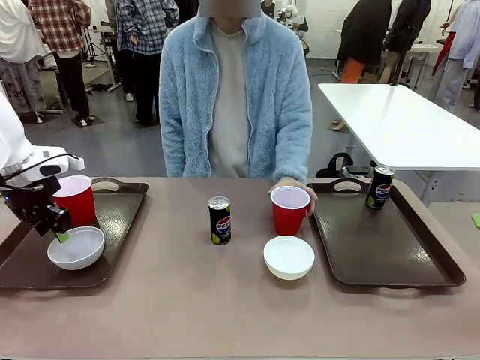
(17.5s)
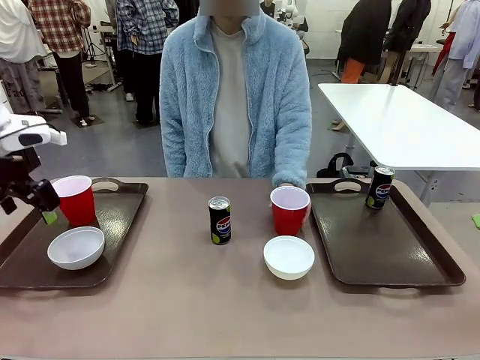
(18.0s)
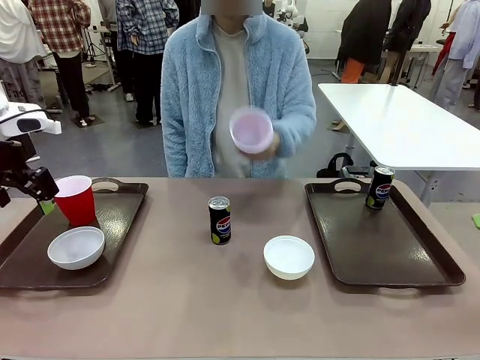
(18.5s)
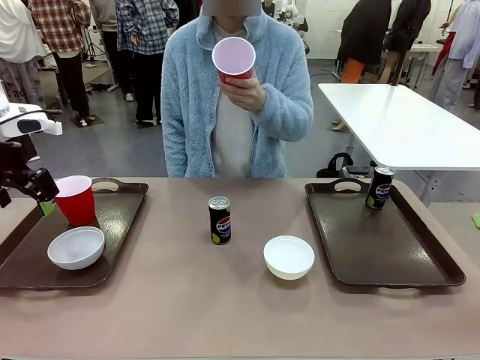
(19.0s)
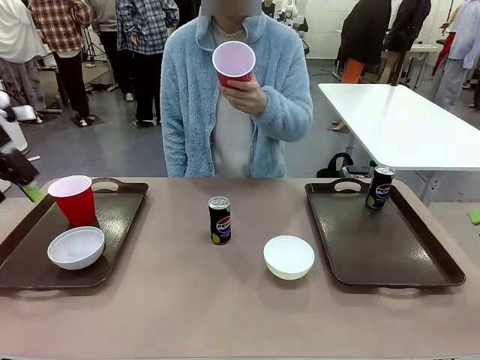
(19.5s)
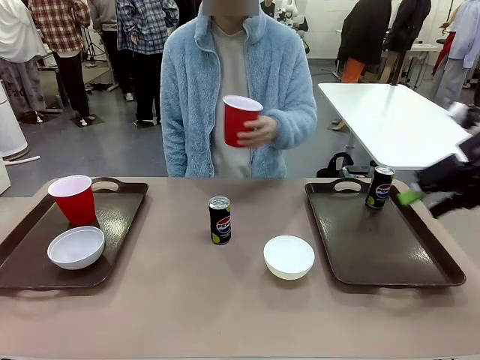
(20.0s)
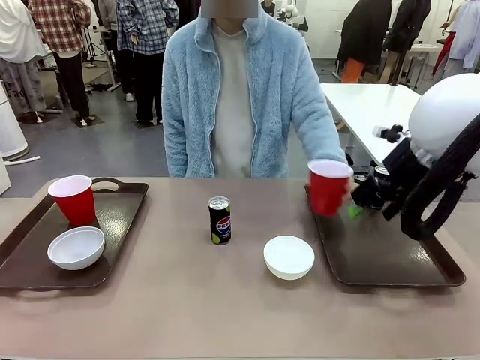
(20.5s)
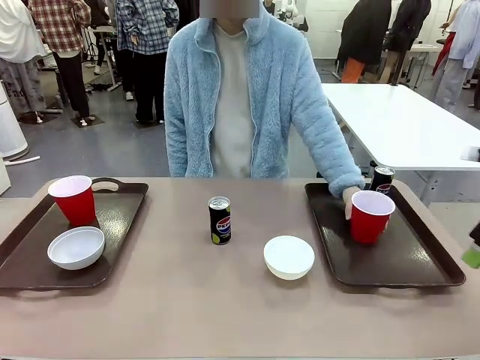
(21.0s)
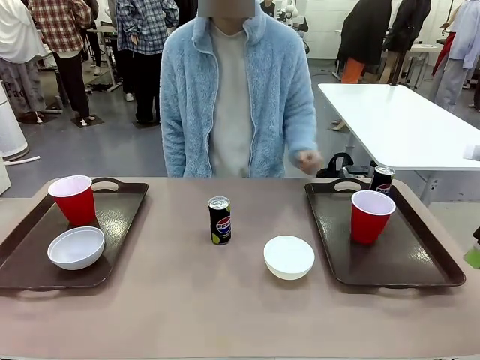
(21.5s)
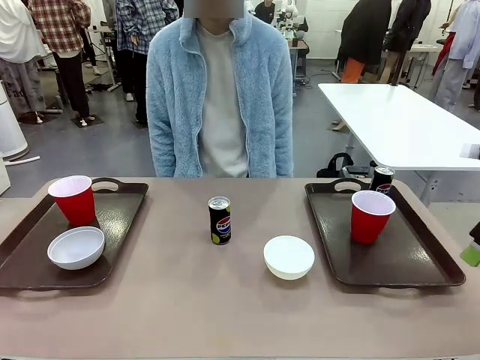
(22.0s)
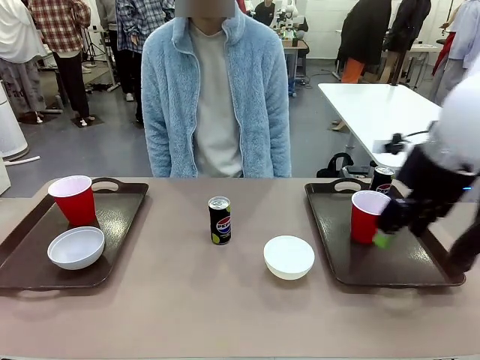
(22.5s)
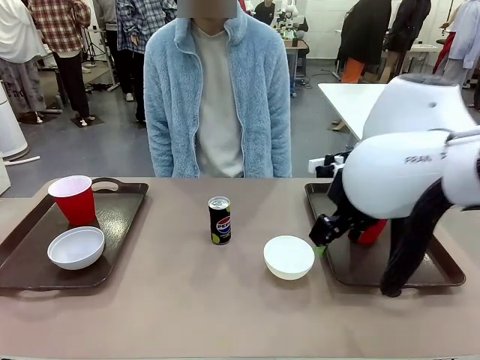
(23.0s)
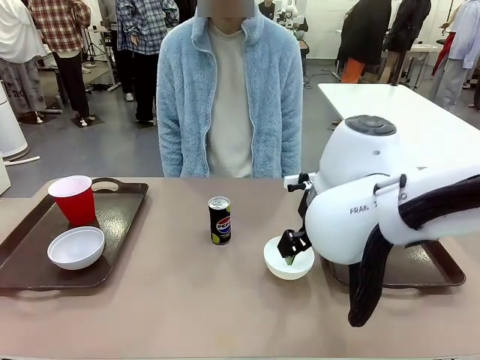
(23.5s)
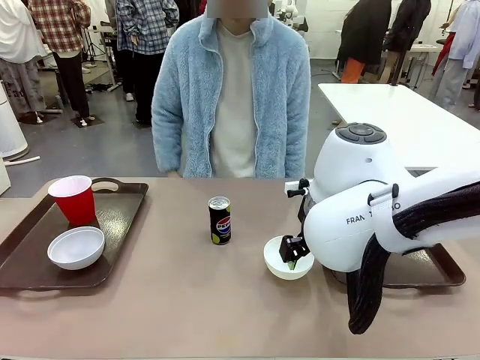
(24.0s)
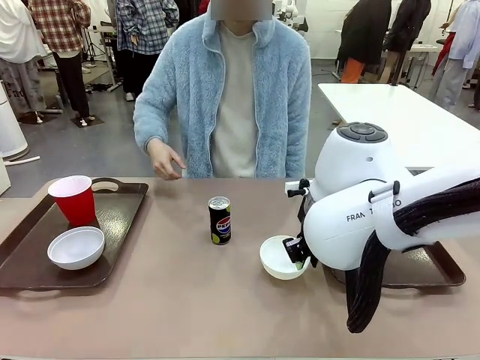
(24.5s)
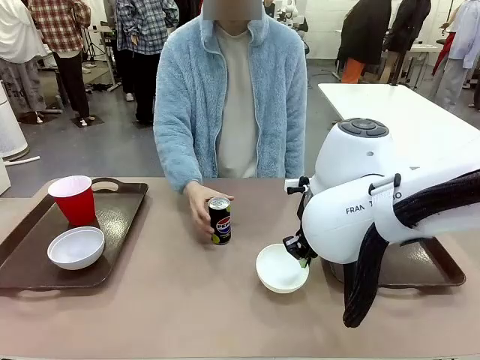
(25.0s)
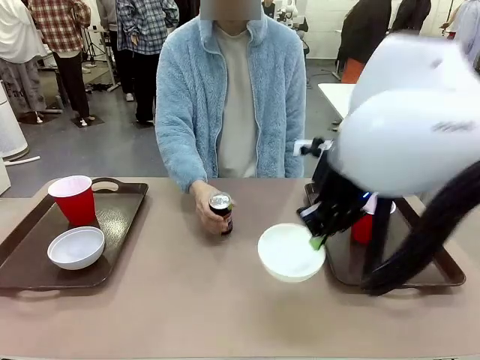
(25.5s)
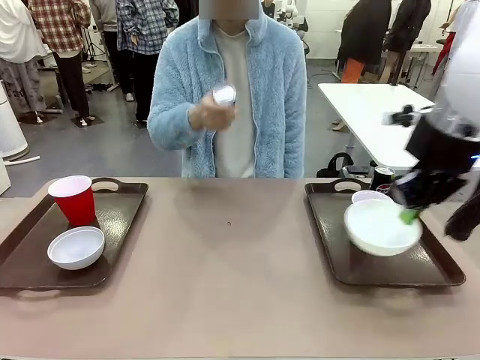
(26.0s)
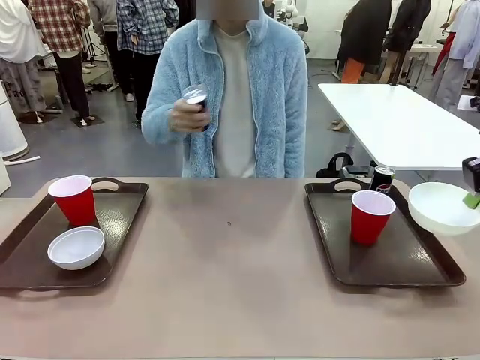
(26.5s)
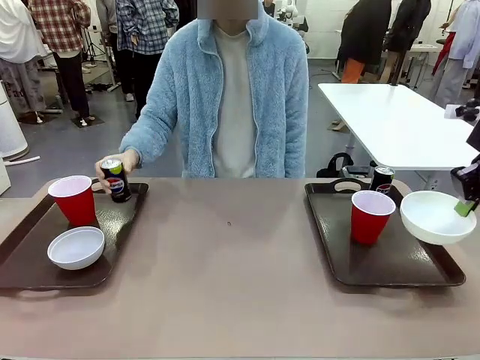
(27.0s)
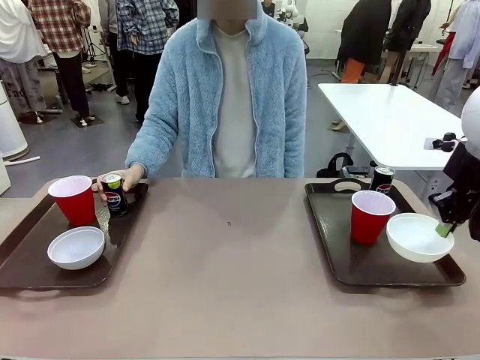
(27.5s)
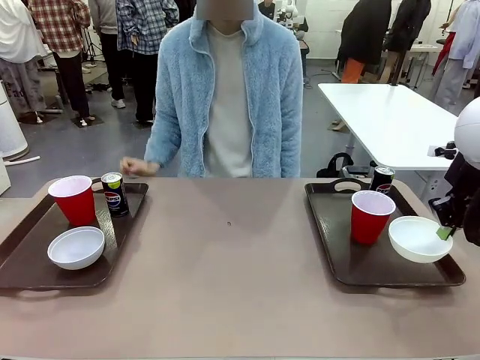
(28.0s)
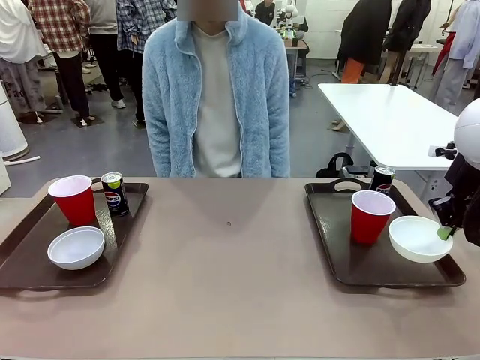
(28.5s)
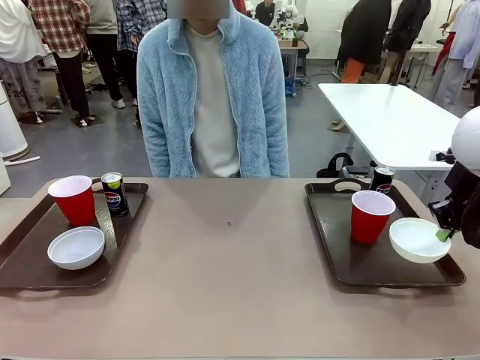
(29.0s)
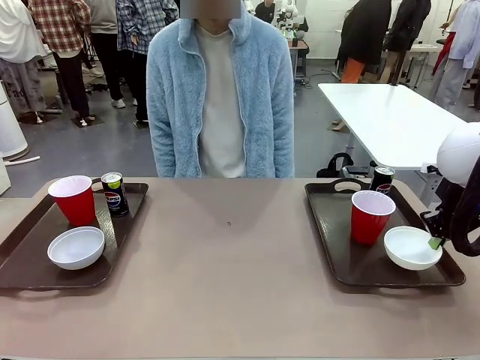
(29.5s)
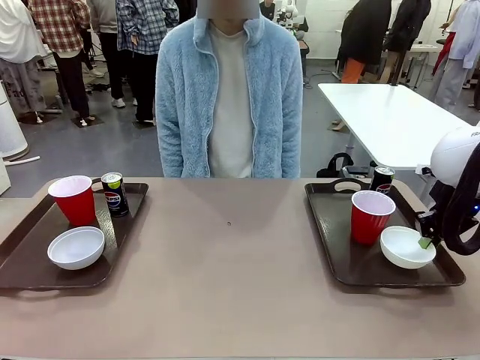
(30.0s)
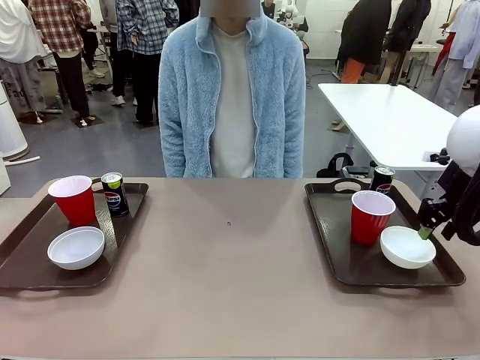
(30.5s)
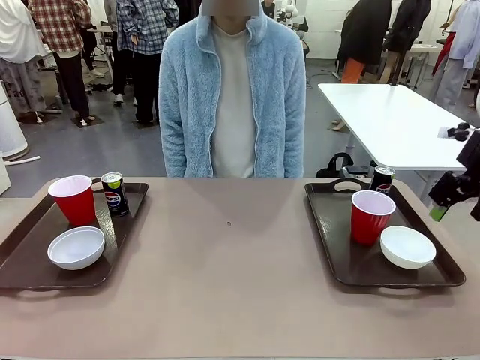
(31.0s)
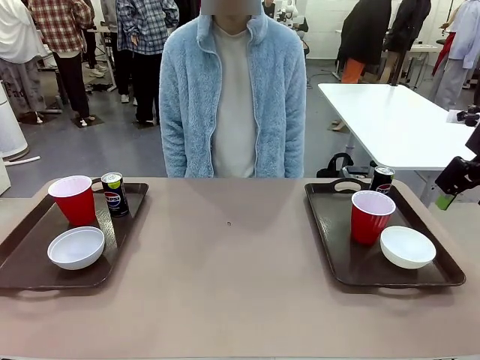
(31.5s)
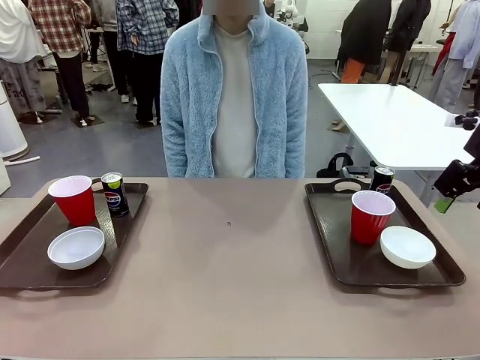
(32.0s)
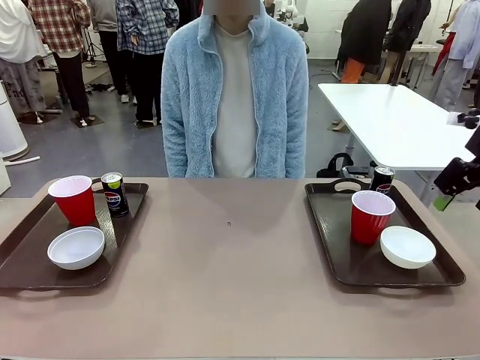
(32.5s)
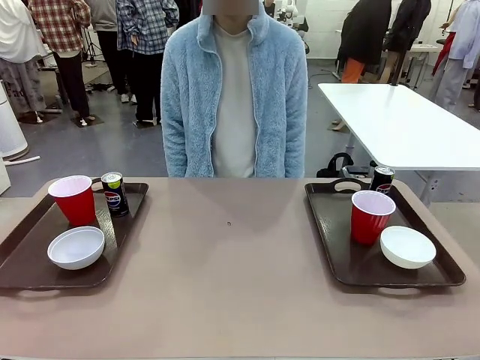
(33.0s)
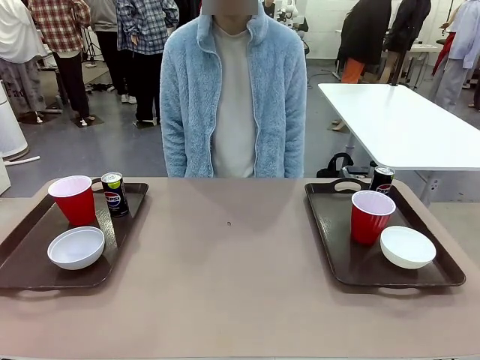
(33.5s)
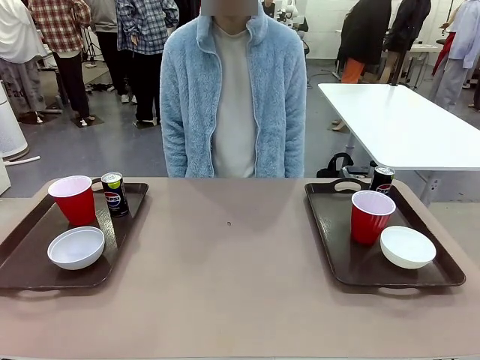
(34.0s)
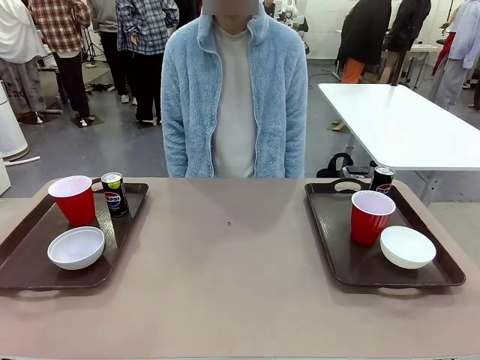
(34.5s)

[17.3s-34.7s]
Task: Prepare tableware on both trays.
Robot: Pick up a Picnic Bowl from the table and place it on a Handle tray.
Person: Pick up a can or cup and place it on the tray without a can or cup.

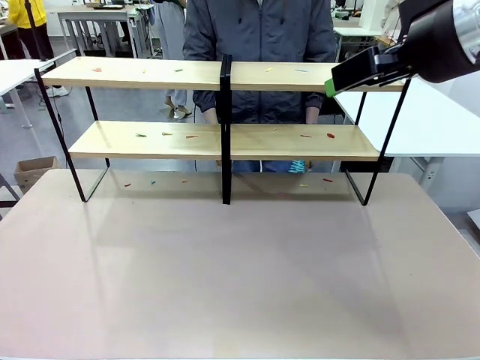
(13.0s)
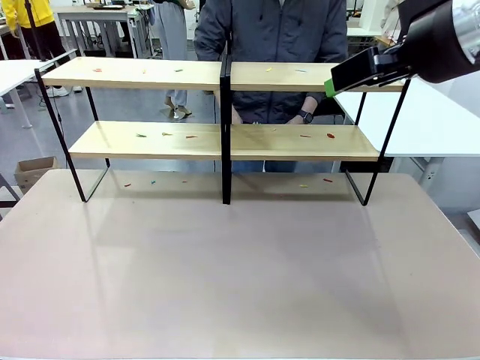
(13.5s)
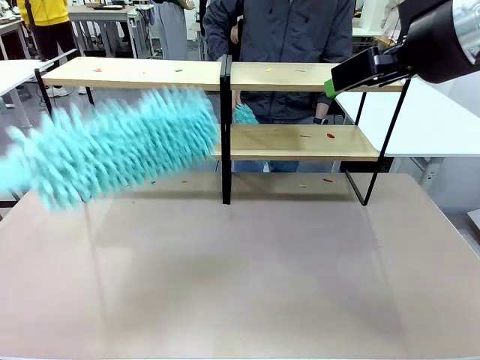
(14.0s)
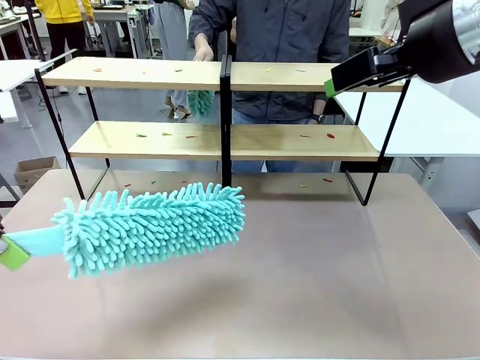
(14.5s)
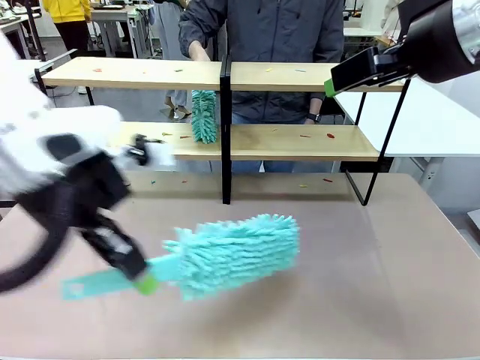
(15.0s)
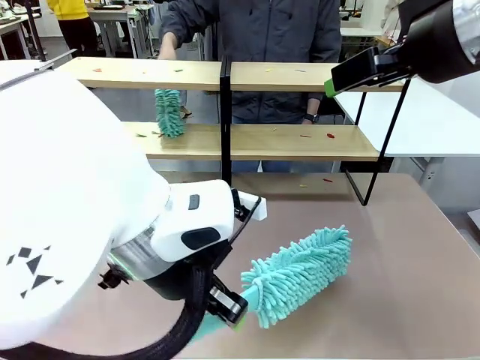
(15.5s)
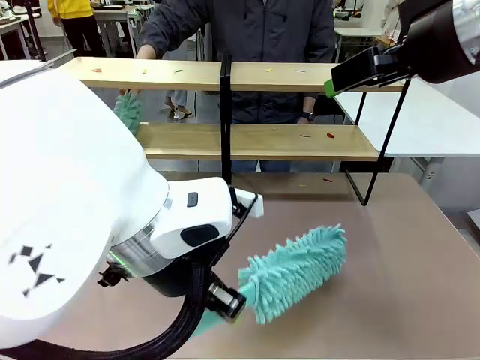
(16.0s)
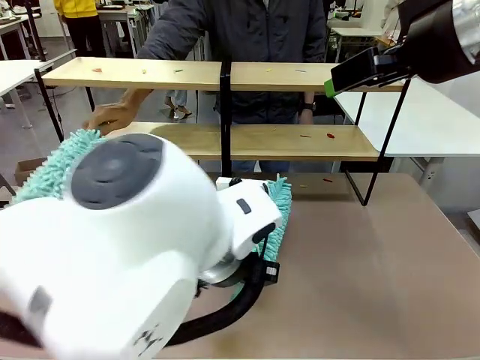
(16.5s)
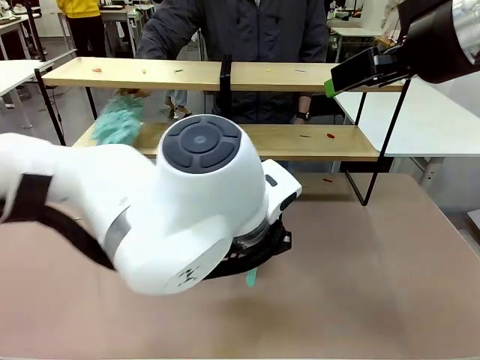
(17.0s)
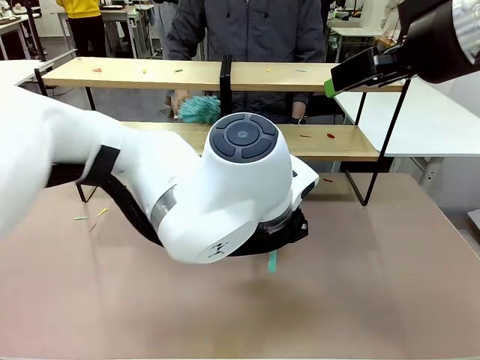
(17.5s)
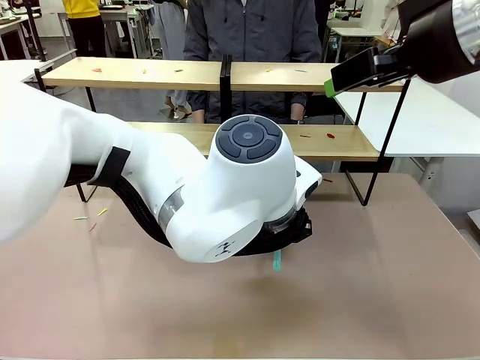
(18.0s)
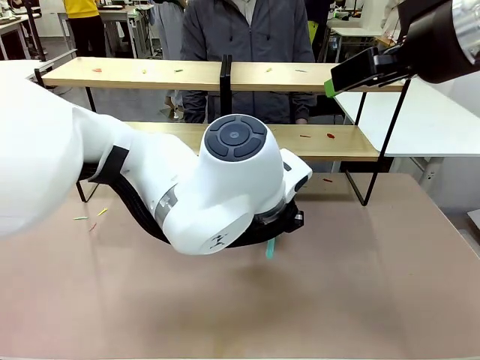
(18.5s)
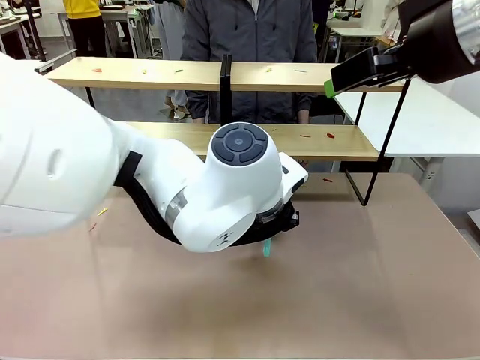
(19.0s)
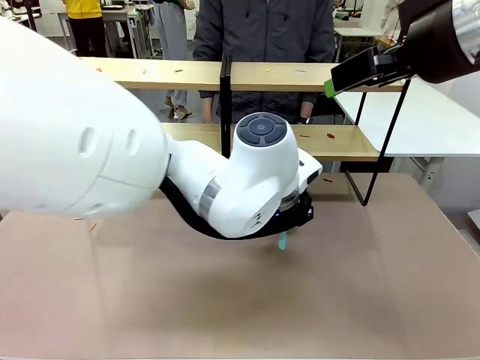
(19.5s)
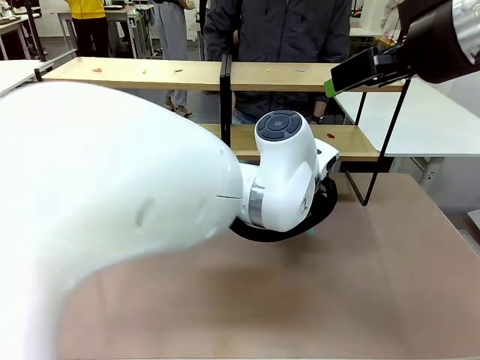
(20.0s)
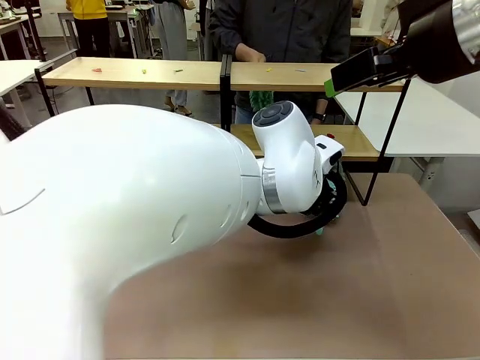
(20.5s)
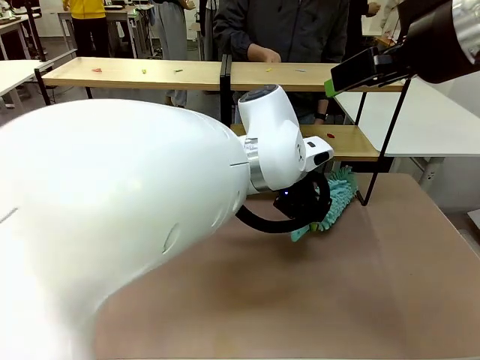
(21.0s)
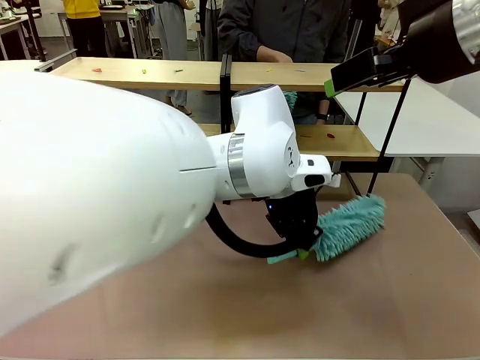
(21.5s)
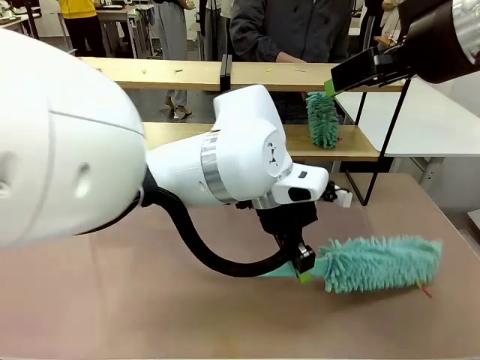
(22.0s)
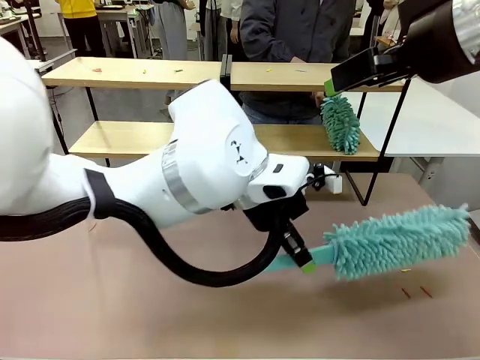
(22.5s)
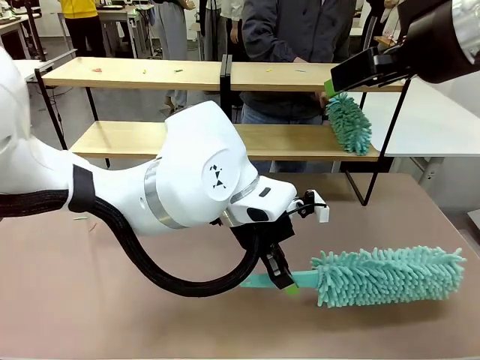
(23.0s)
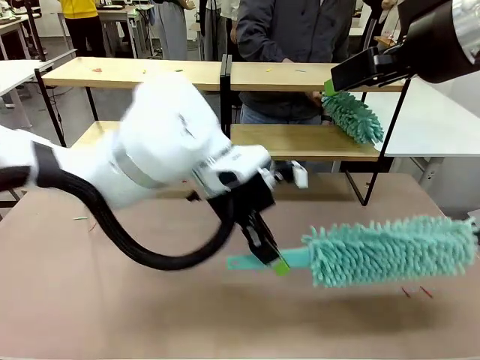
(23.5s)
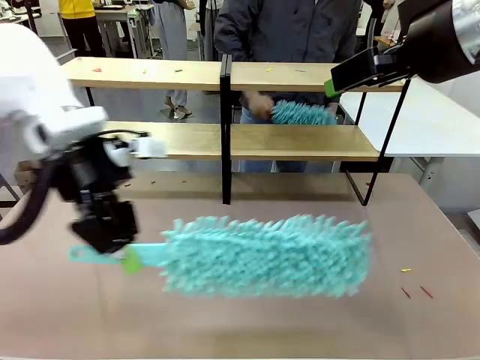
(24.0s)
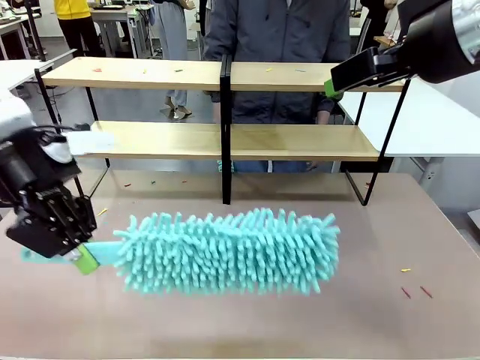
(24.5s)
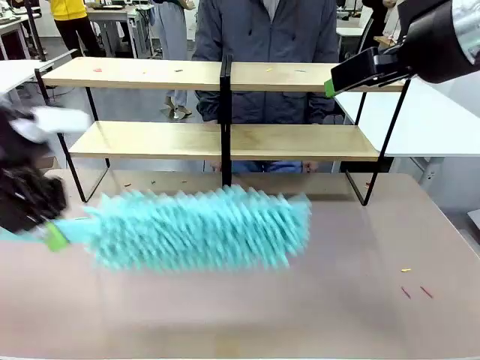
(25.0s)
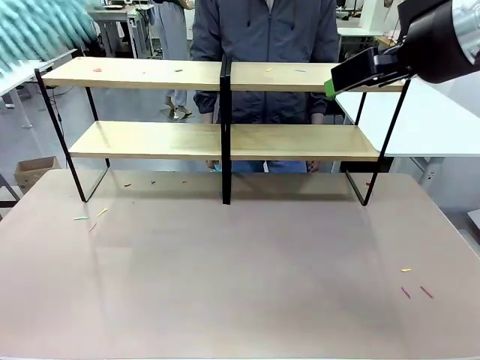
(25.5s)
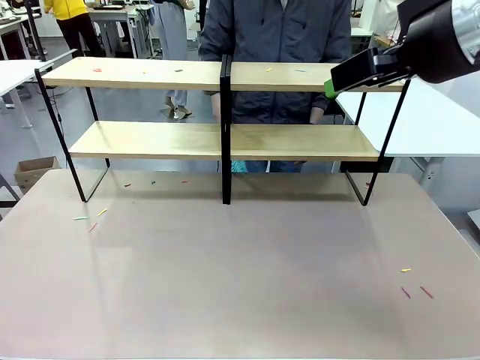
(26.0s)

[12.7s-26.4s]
Task: Clean the shelves.
Robot: Clean a randomly selected level of the Shelf with the Duster.
